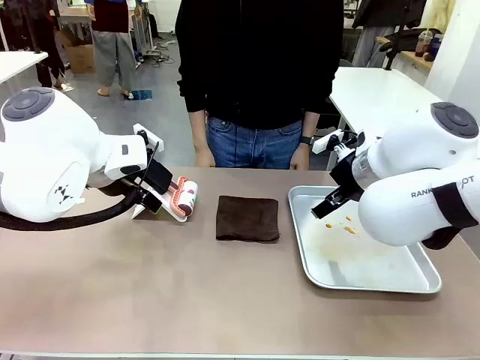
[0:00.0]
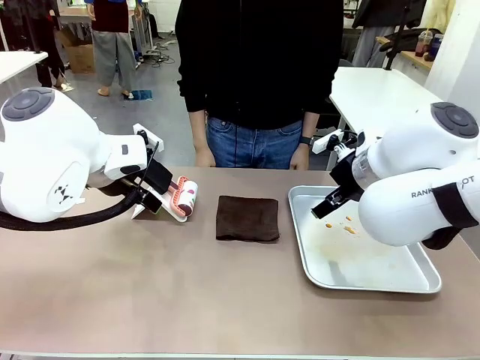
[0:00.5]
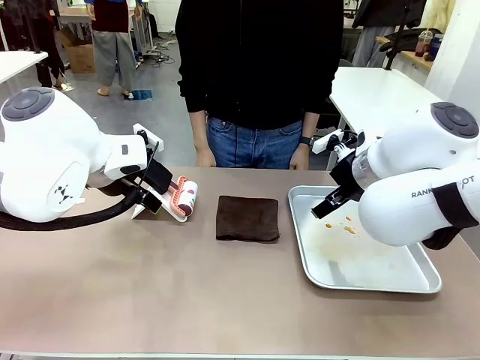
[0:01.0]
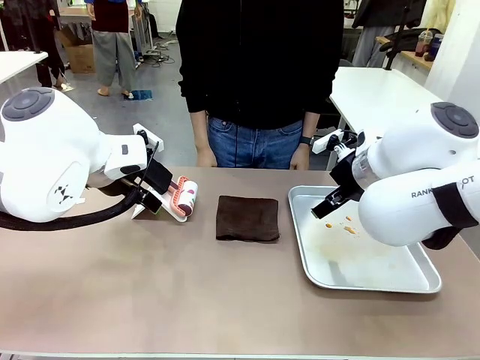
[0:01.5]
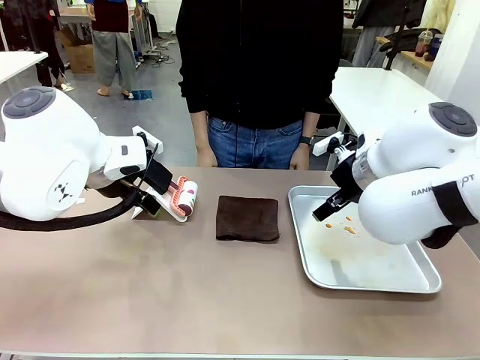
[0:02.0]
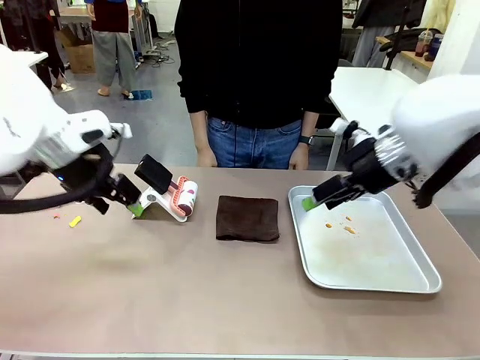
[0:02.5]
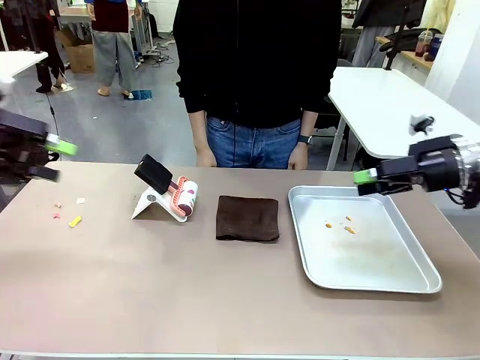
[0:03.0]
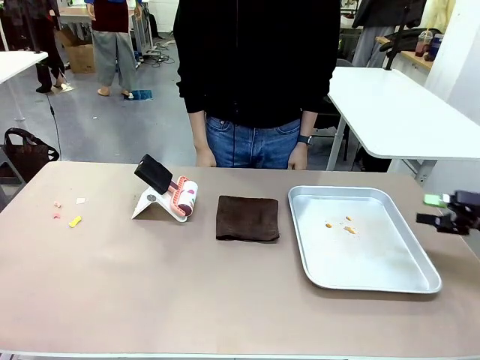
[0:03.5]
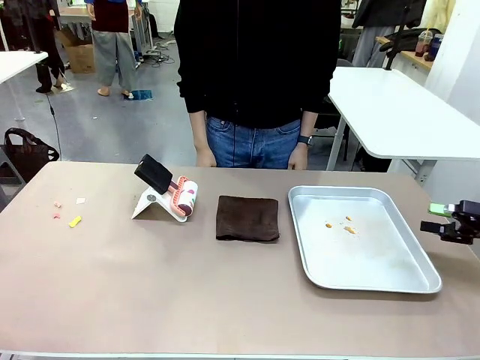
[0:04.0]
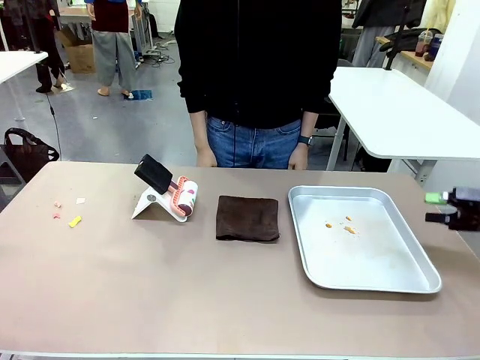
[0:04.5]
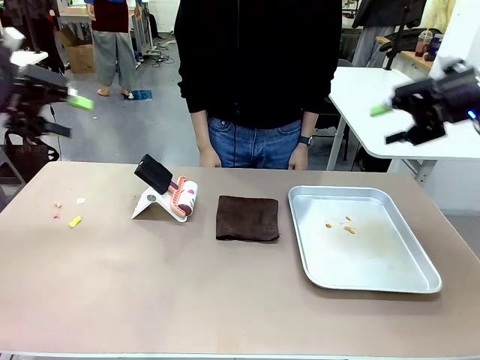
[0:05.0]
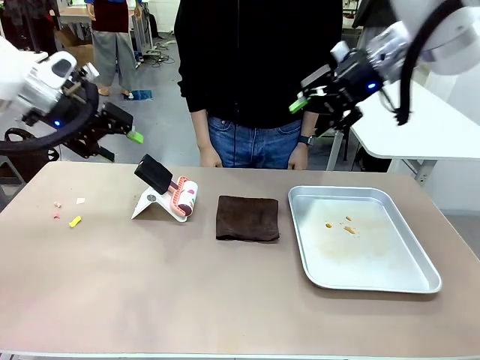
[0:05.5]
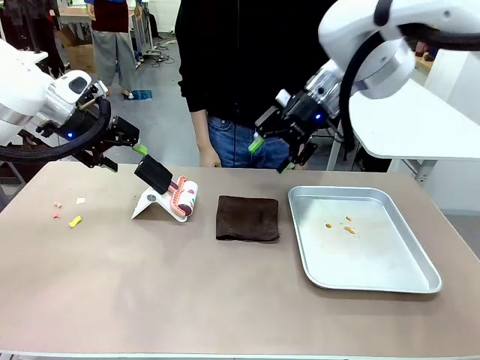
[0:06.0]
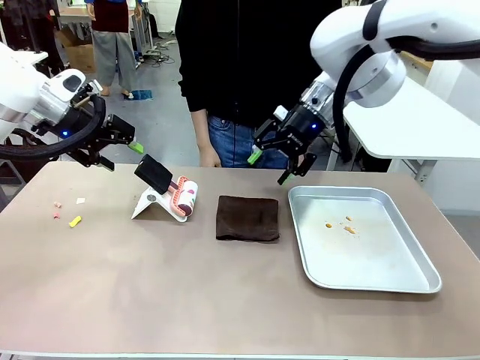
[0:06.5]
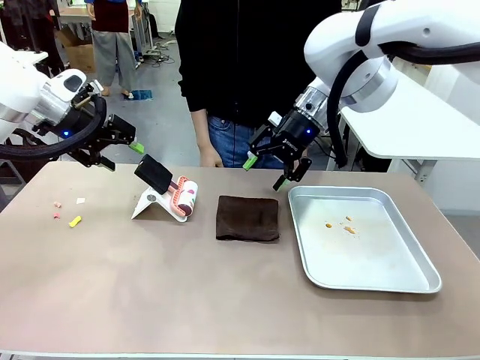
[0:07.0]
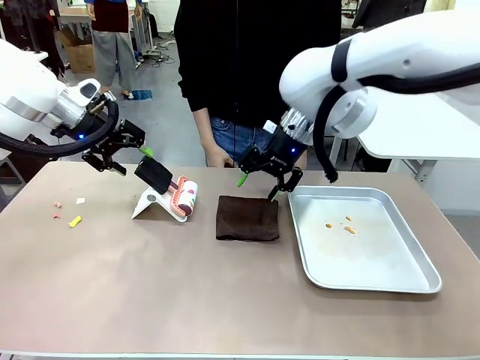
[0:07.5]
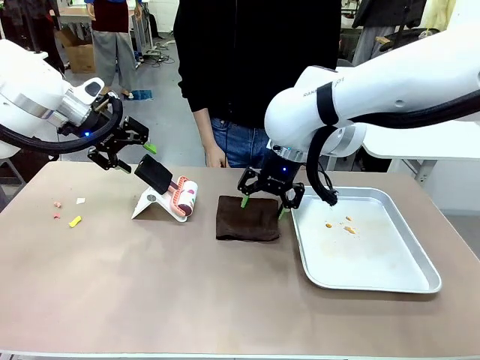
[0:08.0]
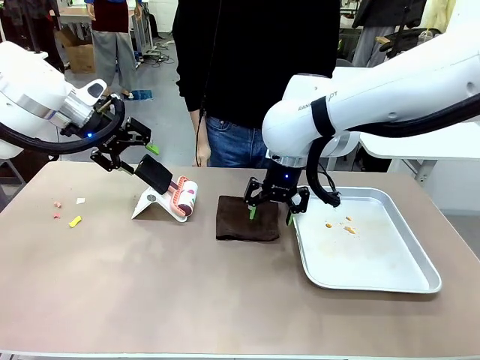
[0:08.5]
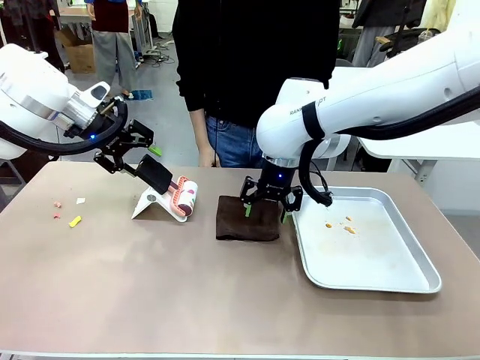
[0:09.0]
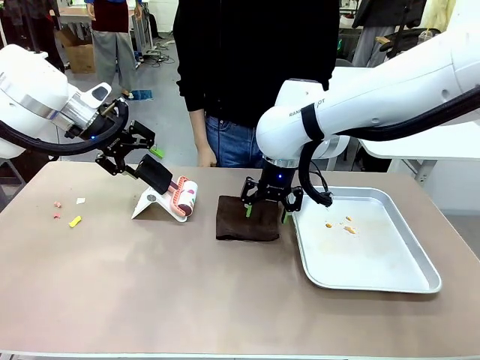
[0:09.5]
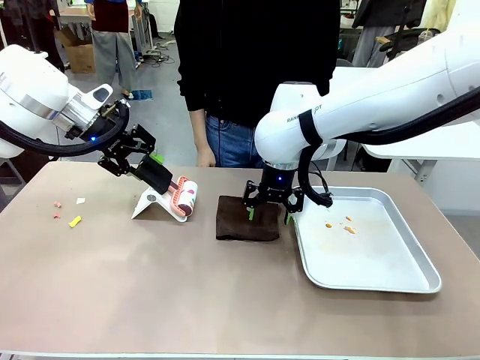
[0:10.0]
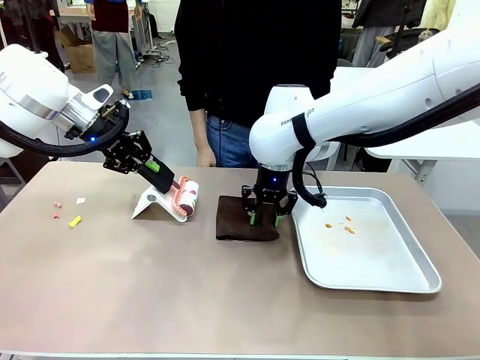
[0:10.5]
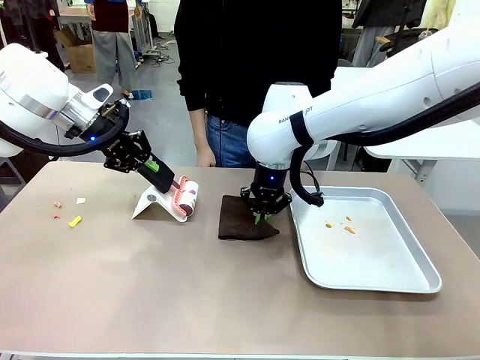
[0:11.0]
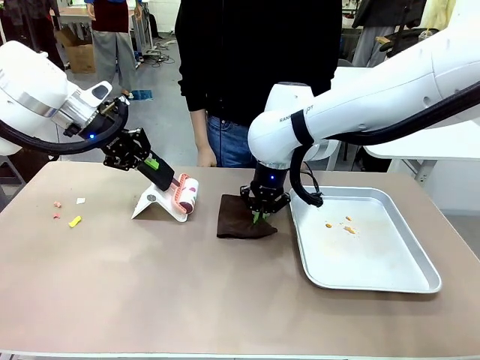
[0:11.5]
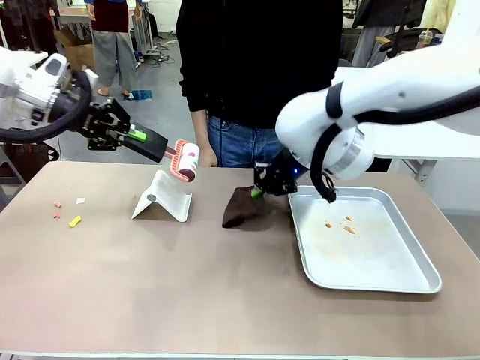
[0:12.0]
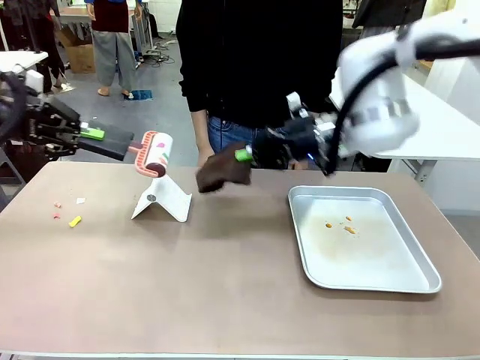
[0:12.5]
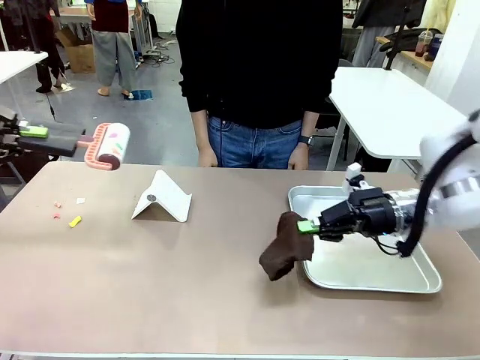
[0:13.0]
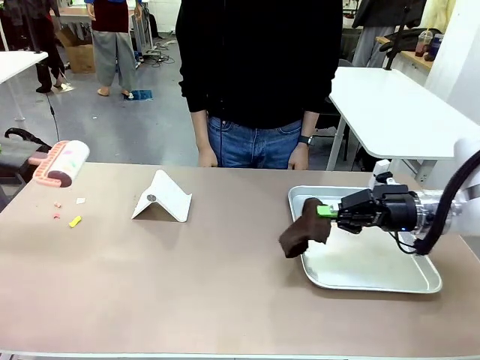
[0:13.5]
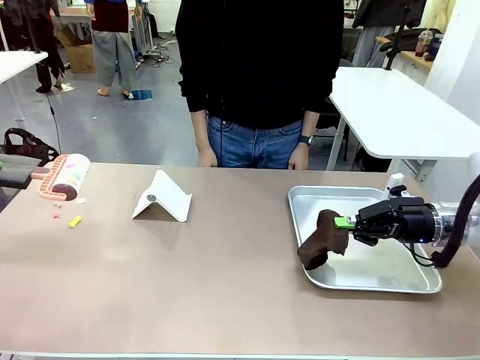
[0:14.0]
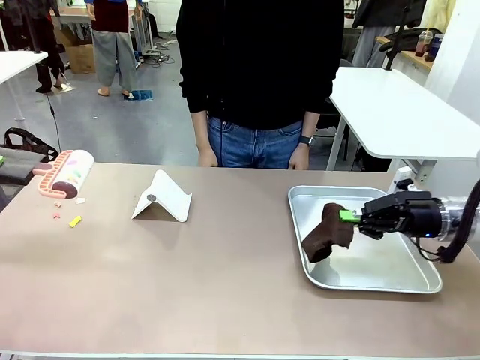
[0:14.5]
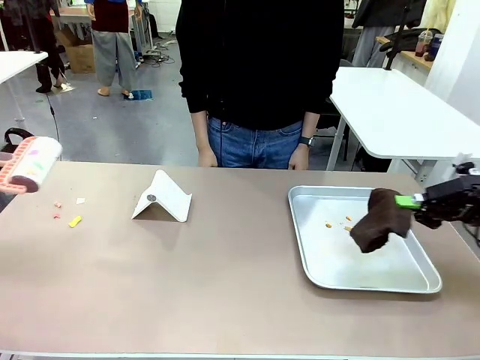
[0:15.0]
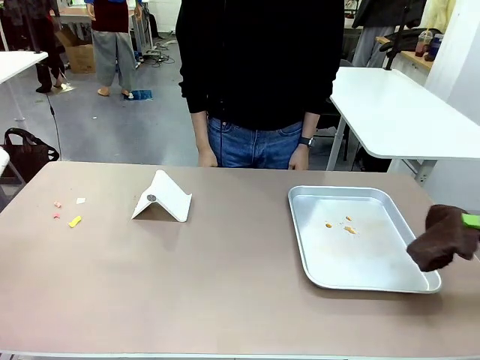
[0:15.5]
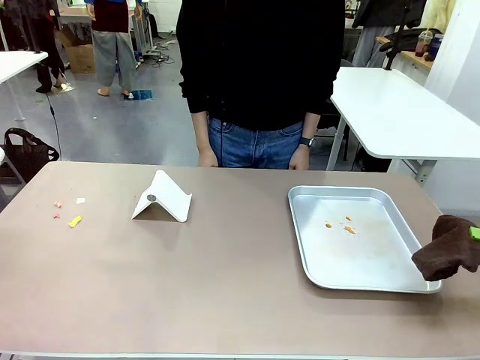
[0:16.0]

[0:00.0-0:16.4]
Task: Clean the surface of the table.
Robot: Hold the Lint Roller with your left hand and the towel with your right hand.

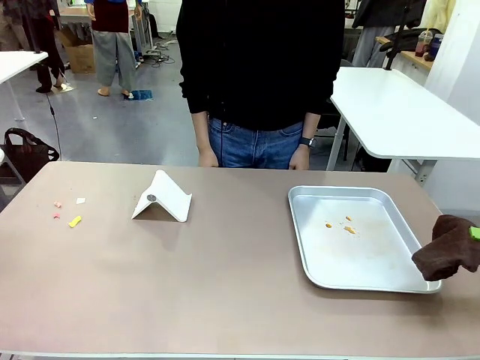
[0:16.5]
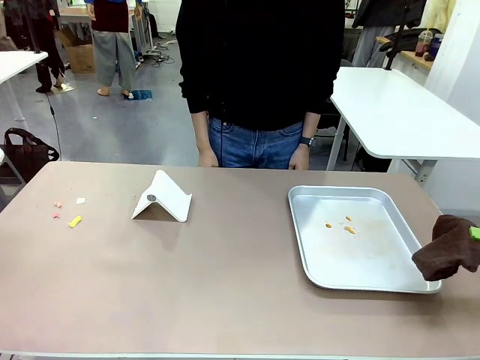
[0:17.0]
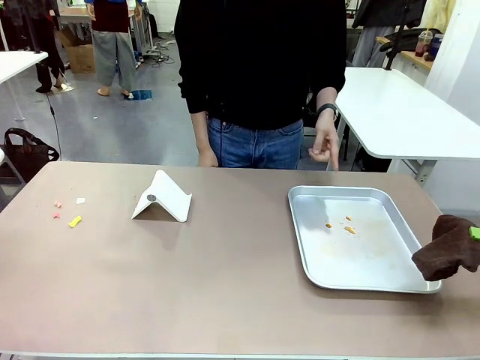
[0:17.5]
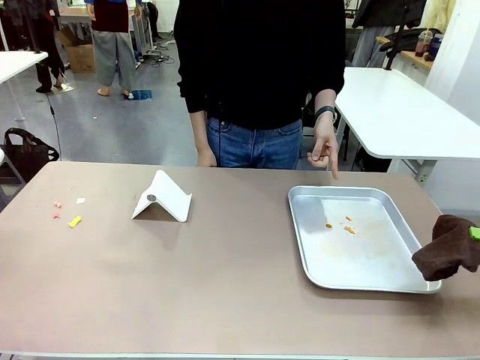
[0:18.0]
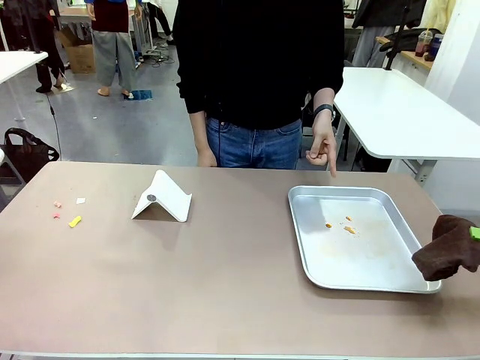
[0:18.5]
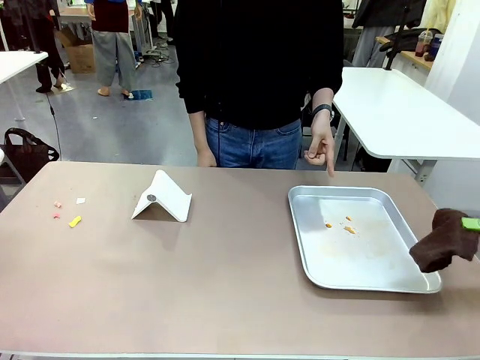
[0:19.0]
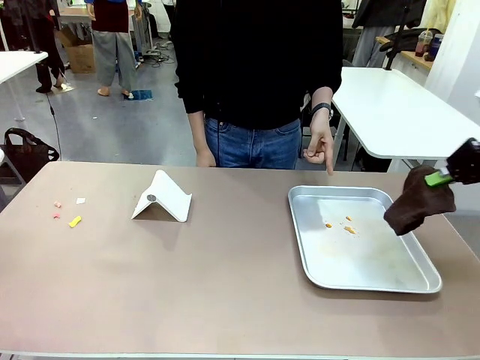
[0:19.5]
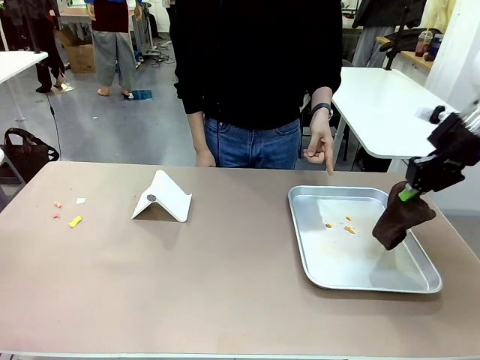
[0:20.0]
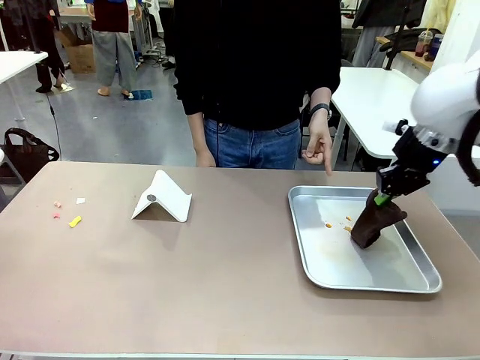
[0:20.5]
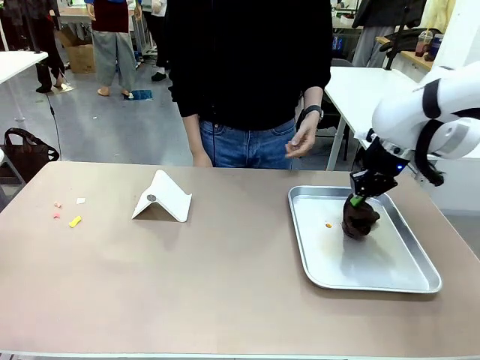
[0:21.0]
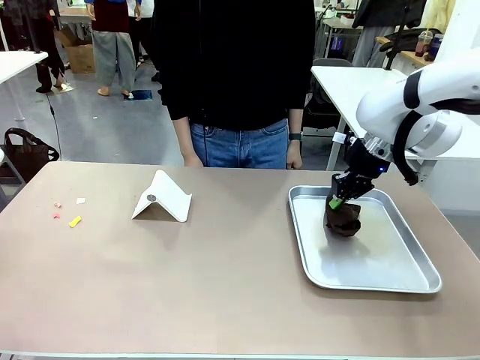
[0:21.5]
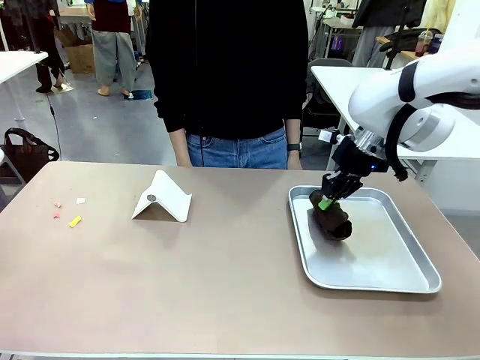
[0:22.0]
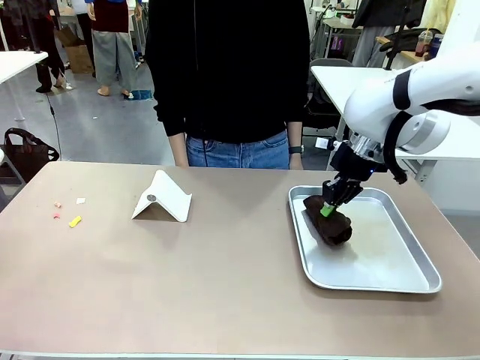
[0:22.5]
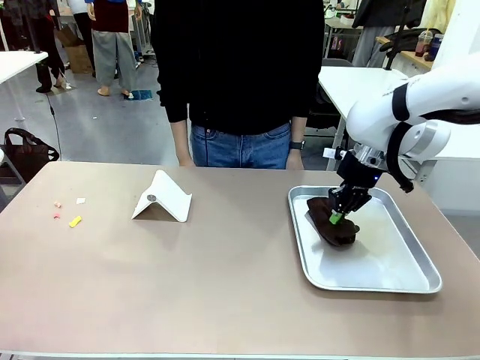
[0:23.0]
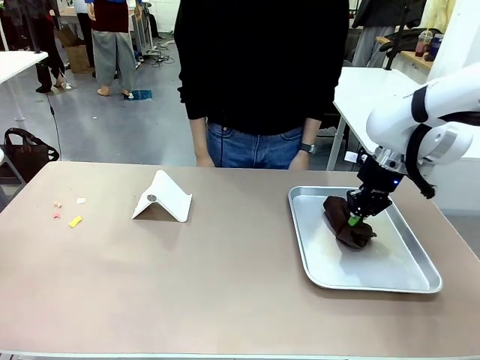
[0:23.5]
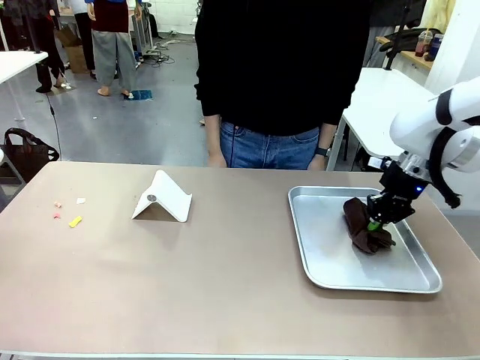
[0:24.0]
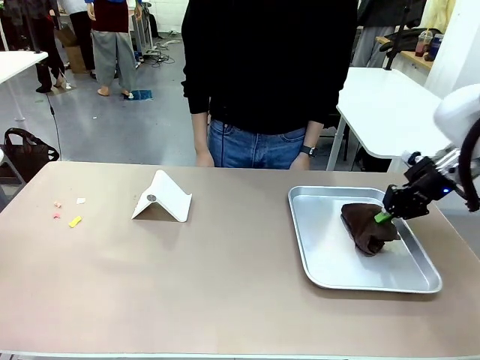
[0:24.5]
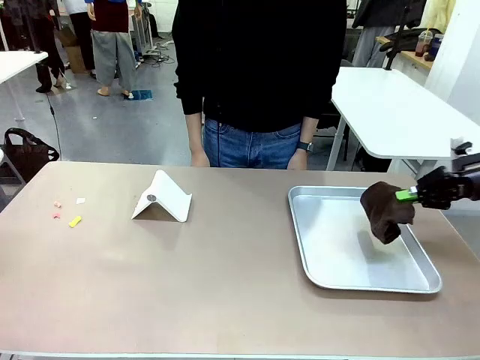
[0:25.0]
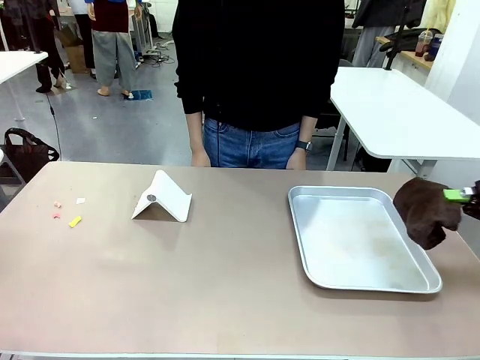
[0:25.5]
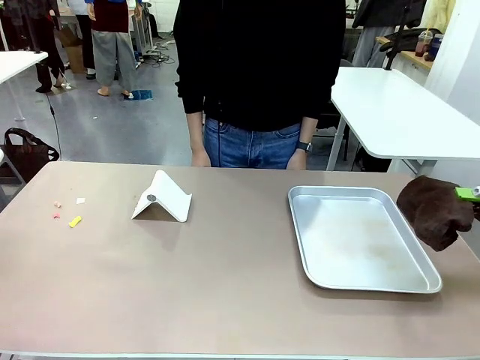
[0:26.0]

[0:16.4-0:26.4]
Robot: If a person points to the right, clean the right side of the table with your right hand, and if they point to the left, clean the left side with your left hand.
